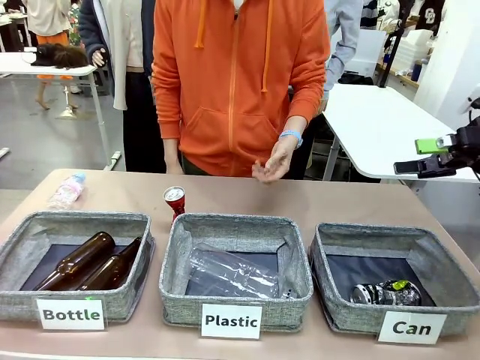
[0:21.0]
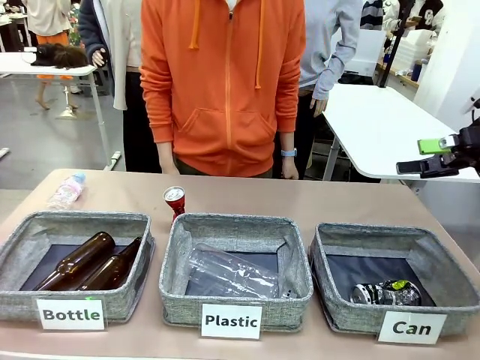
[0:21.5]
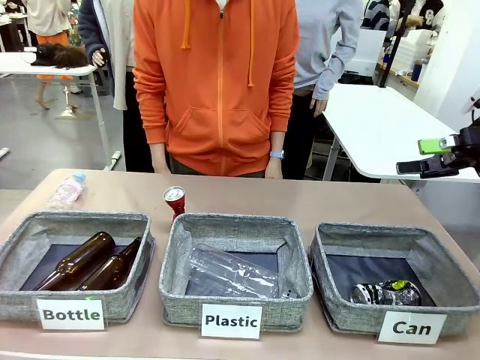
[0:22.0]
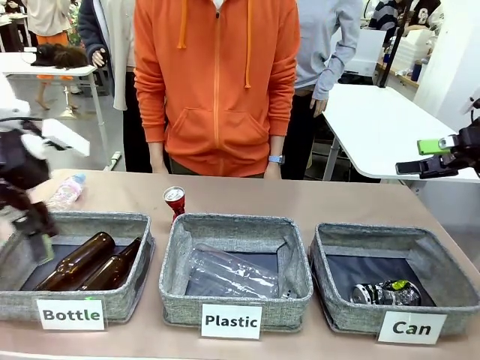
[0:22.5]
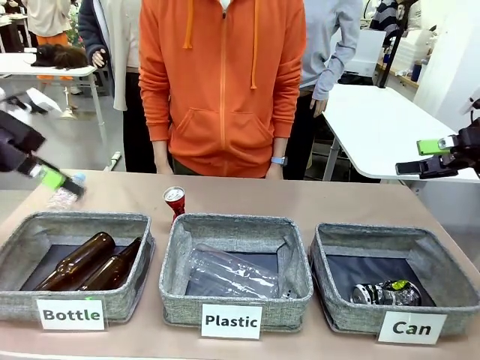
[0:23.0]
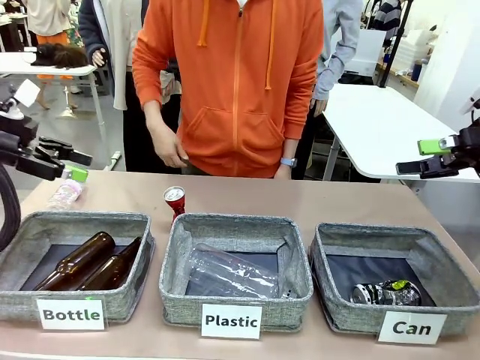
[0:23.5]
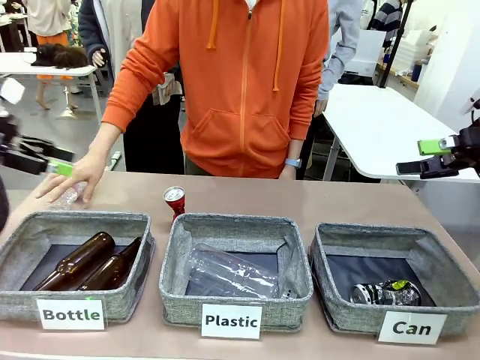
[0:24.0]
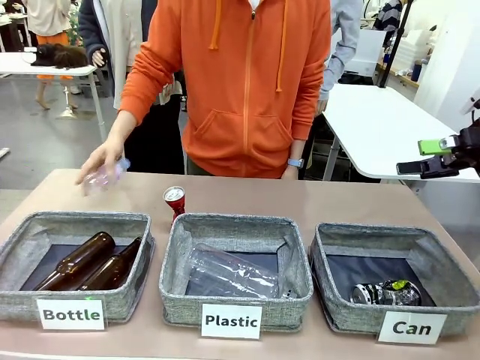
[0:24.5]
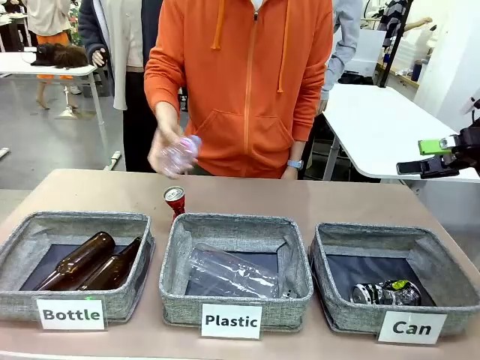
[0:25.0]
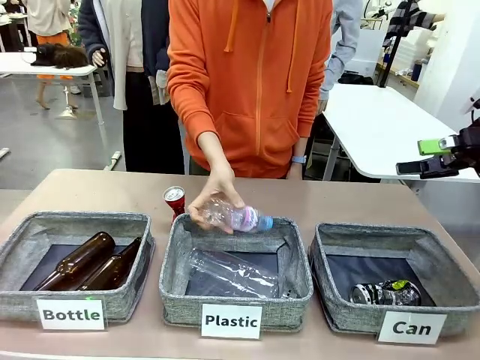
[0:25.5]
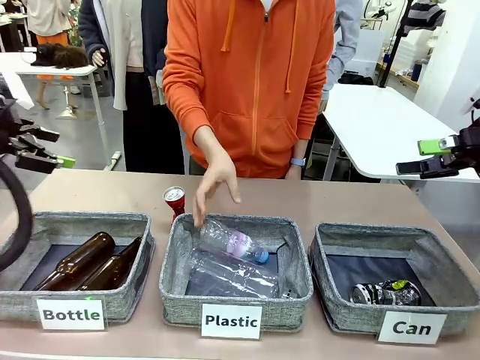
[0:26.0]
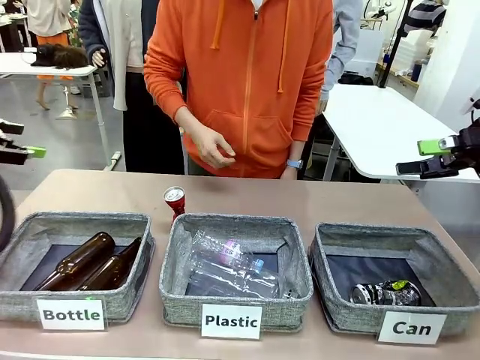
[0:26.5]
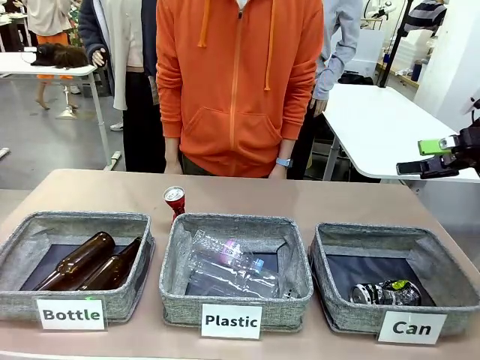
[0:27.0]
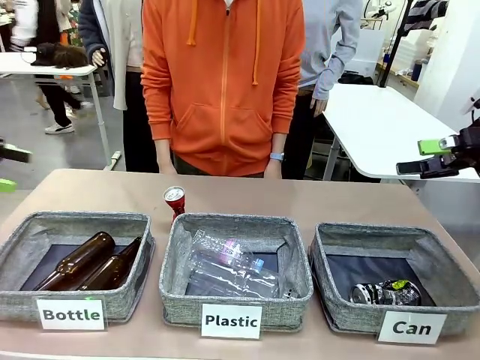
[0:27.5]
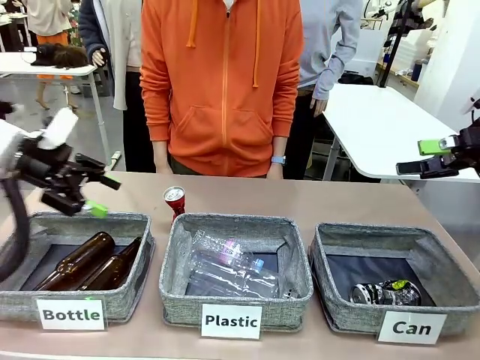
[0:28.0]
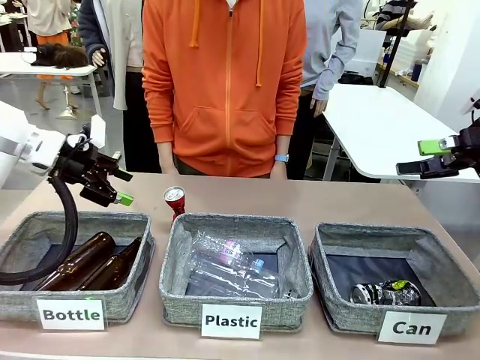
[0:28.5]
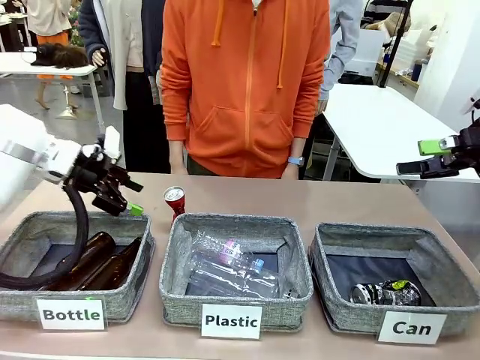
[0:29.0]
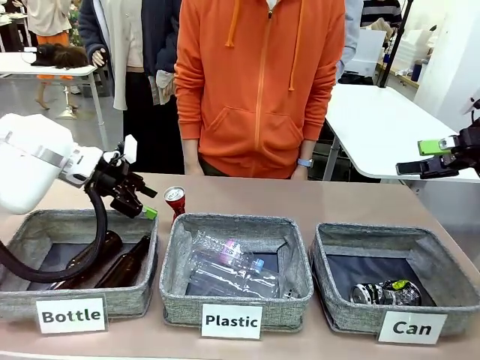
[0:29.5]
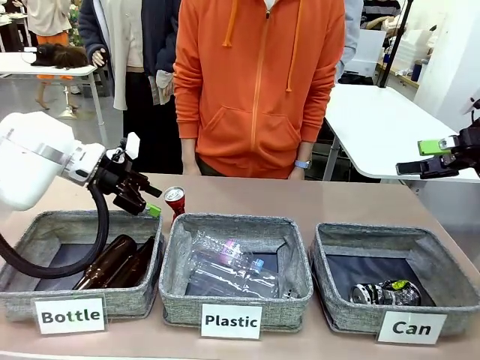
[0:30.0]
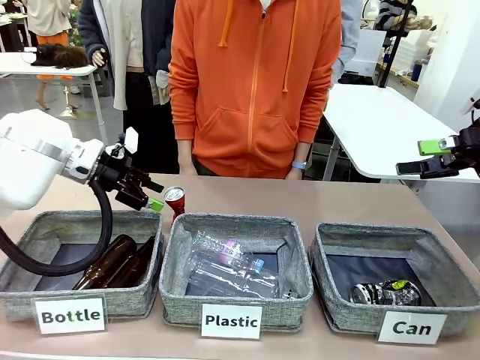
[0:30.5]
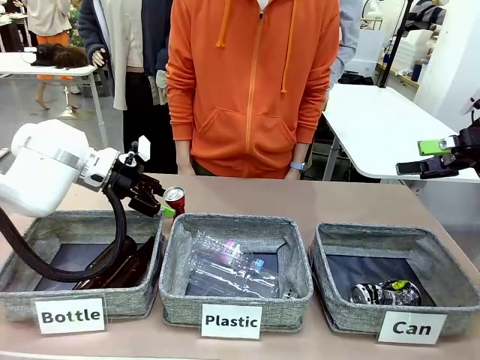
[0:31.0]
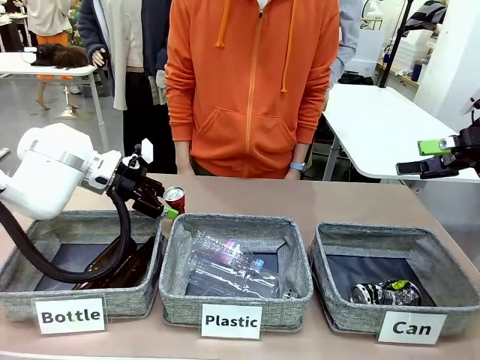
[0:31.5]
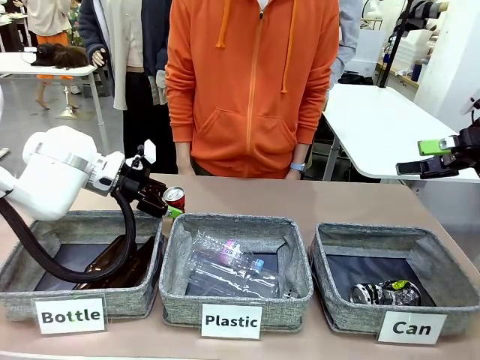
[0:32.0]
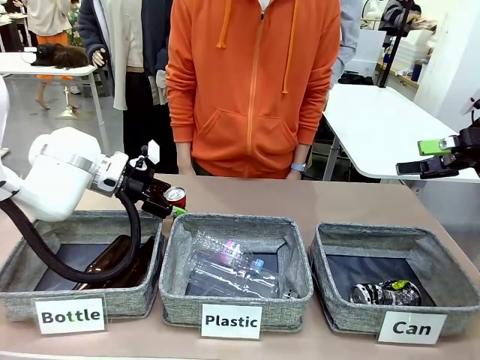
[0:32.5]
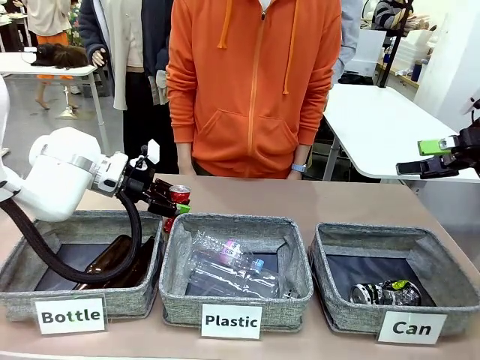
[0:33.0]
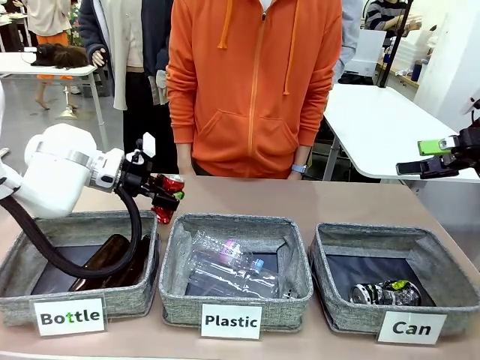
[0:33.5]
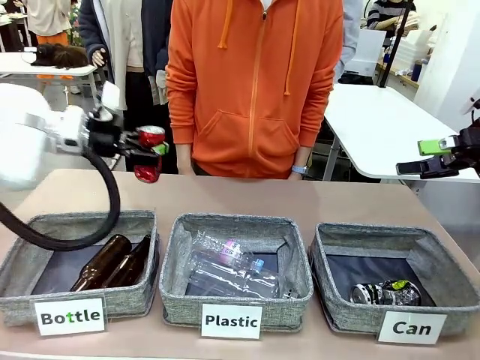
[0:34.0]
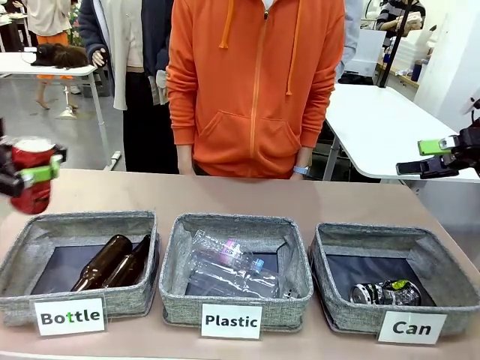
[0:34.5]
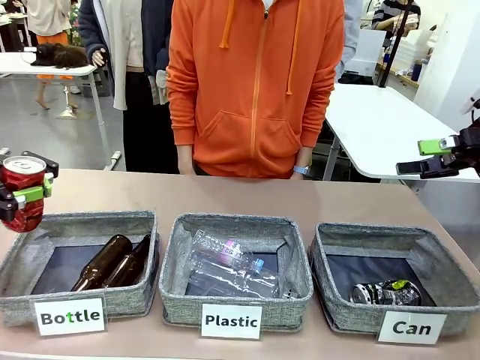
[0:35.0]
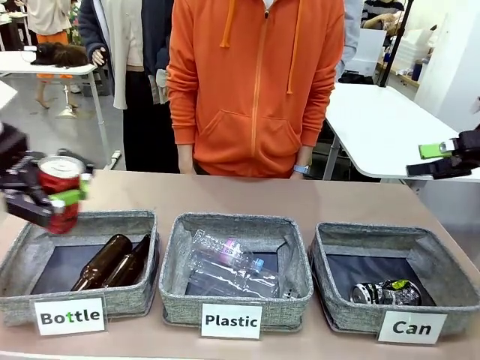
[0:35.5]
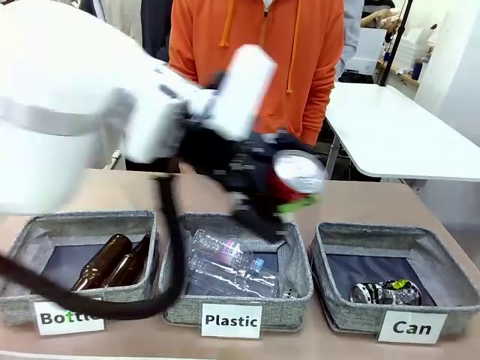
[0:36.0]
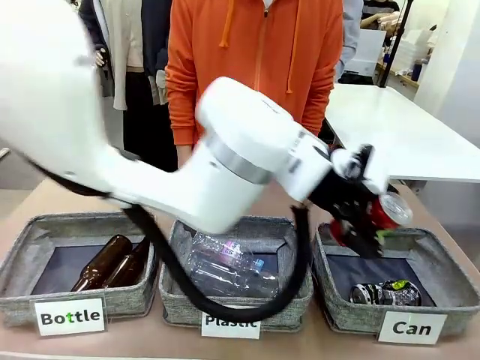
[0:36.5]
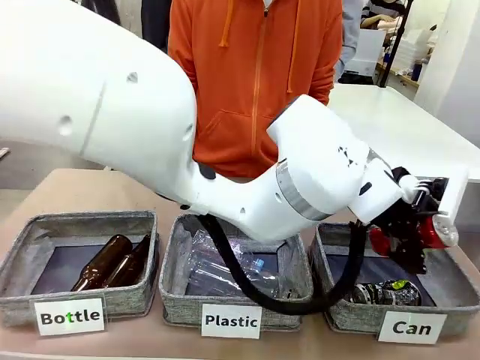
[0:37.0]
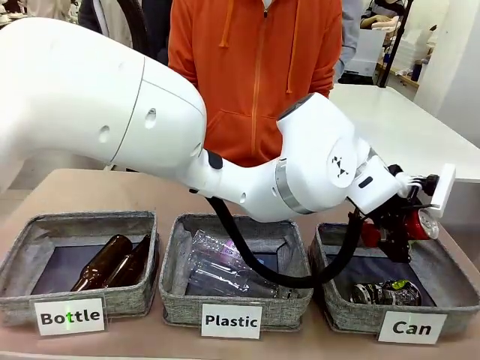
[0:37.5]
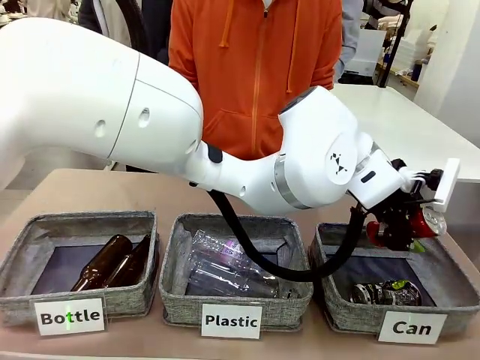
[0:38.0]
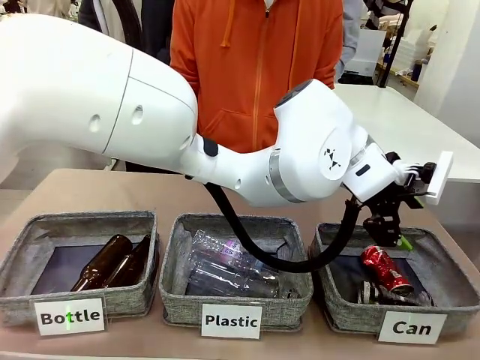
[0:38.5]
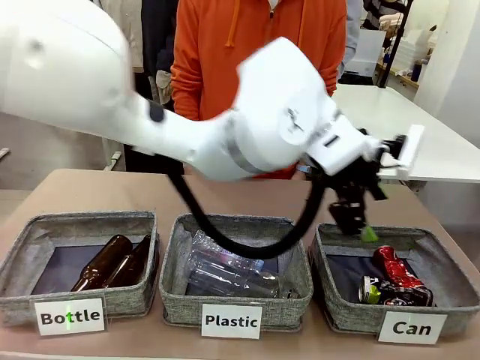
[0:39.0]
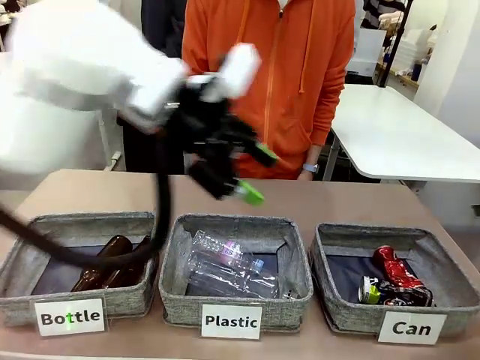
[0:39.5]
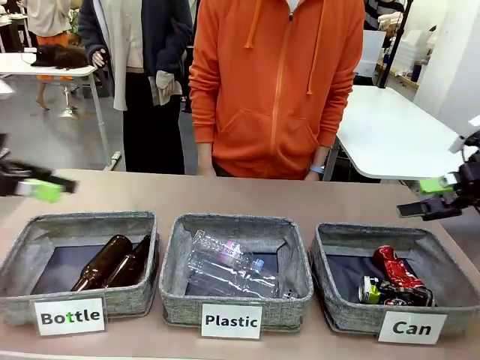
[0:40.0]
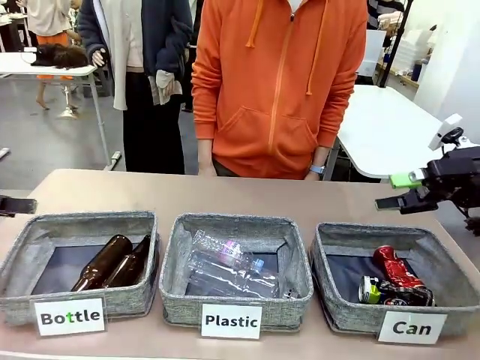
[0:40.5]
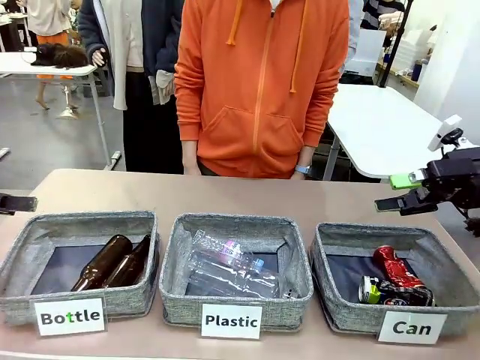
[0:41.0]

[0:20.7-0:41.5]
Task: Sort the can waste into the basket.
Robot: Pick up the can waste from the table and place it in the right Fabric basket.
Person: The human picks up one piece of trash that is not a can and places the trash into the appropriate organizing basket.
